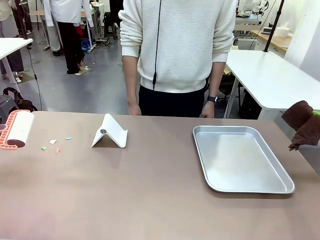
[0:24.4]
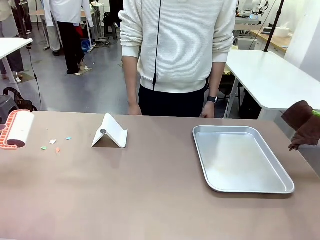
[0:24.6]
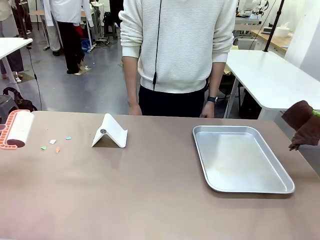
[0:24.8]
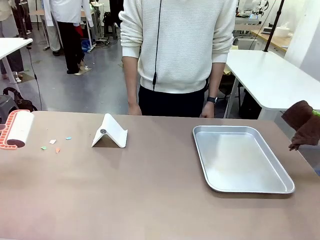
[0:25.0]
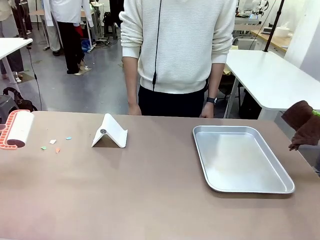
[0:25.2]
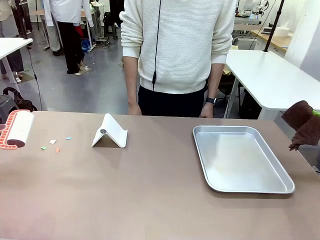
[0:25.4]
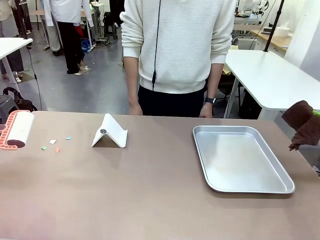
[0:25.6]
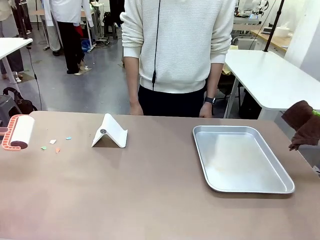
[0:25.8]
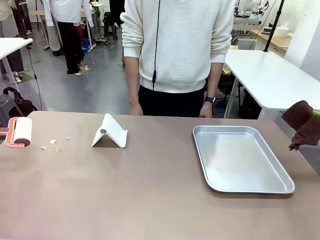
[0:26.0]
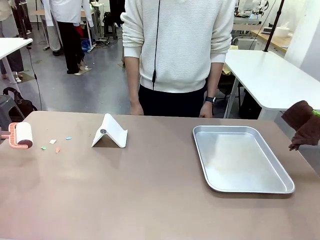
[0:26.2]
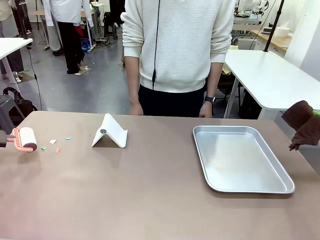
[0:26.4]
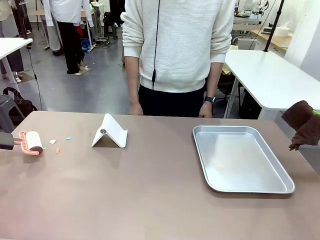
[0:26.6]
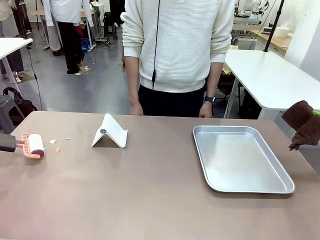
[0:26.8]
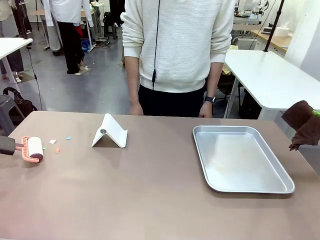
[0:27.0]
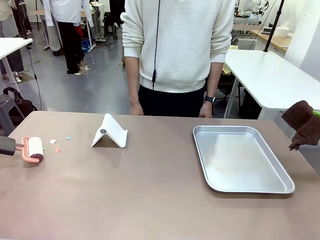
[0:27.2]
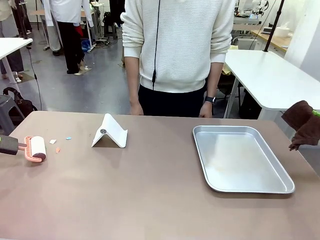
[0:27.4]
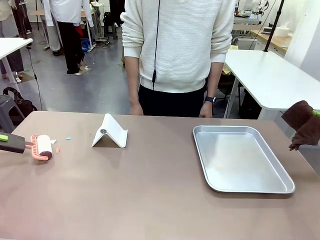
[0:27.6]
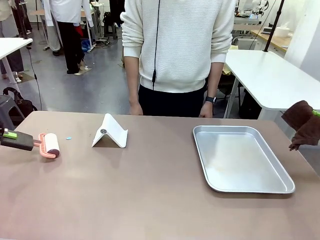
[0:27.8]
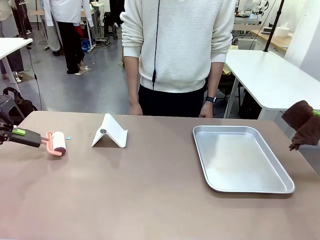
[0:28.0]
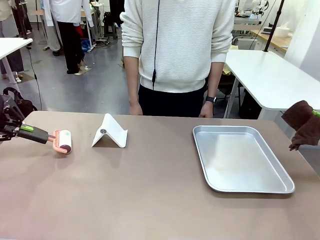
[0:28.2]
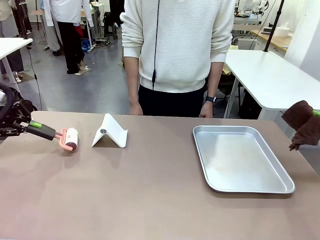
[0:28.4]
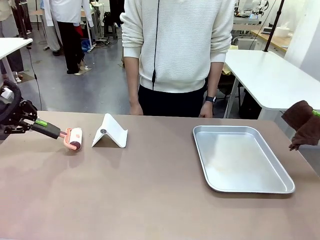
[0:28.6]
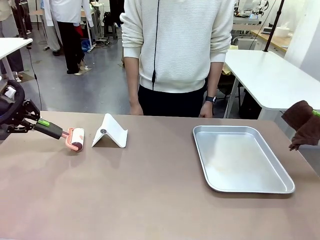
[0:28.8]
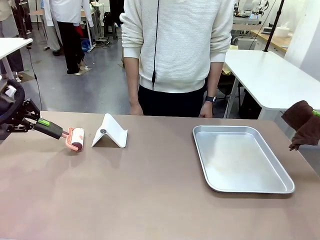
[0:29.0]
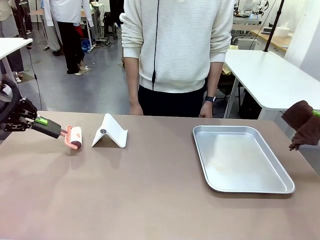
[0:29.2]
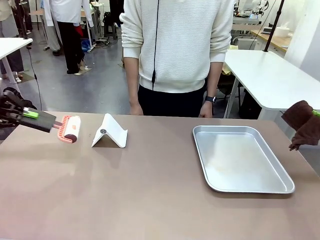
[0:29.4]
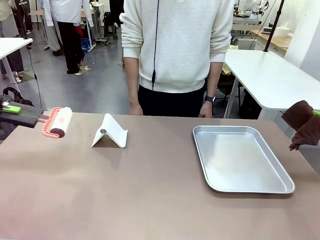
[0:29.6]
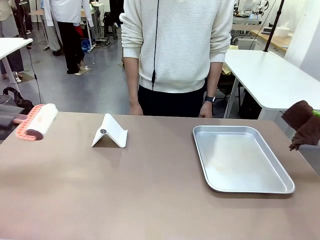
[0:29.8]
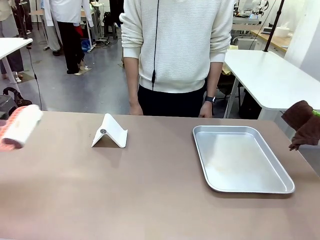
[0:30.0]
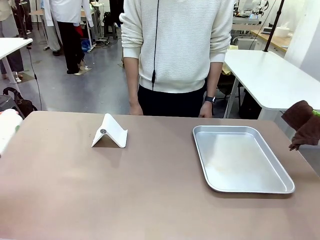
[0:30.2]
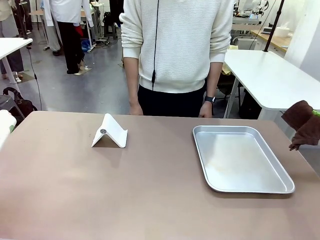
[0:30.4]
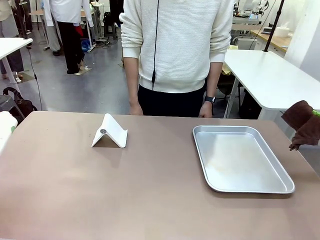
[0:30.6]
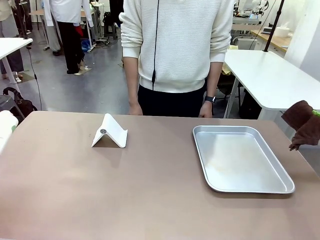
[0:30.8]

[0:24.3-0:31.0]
Task: Clean the surface of the table.
Robot: Clean the area not pointed to by the person.

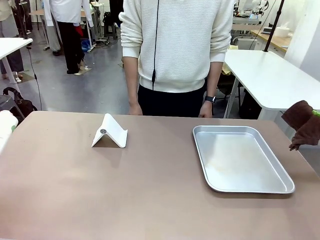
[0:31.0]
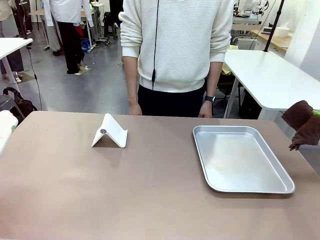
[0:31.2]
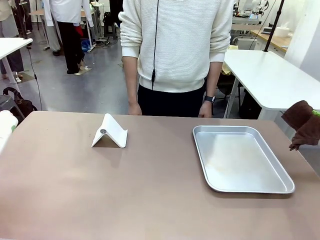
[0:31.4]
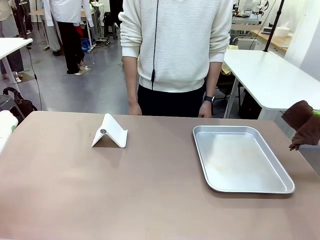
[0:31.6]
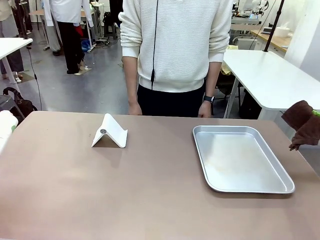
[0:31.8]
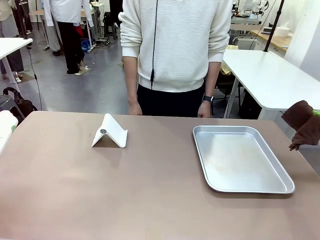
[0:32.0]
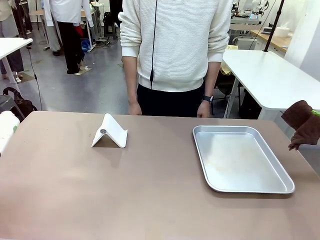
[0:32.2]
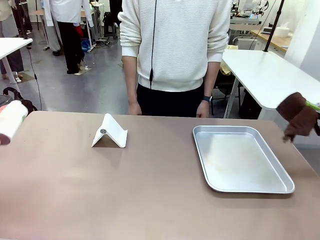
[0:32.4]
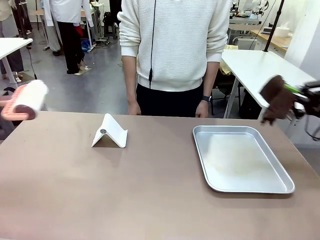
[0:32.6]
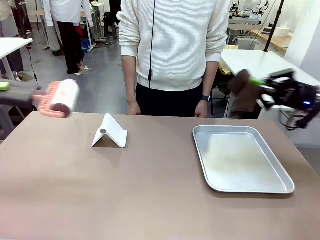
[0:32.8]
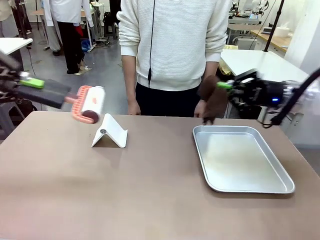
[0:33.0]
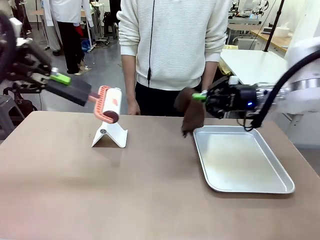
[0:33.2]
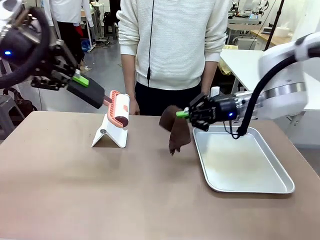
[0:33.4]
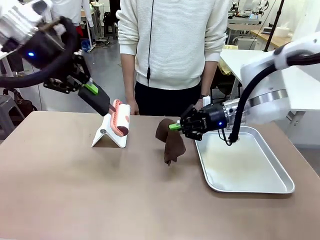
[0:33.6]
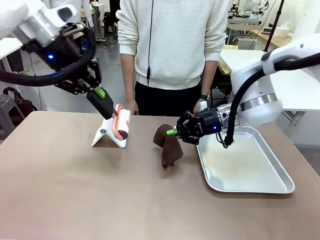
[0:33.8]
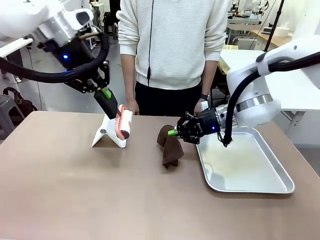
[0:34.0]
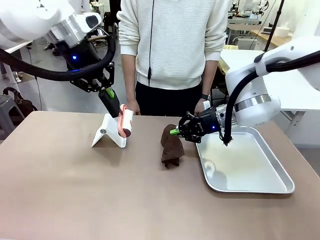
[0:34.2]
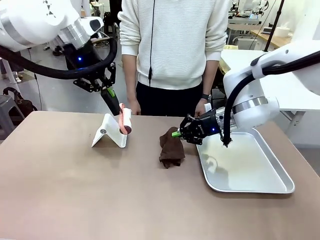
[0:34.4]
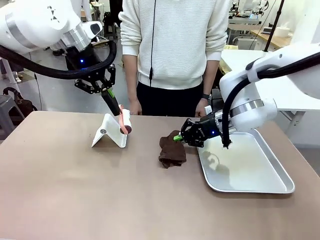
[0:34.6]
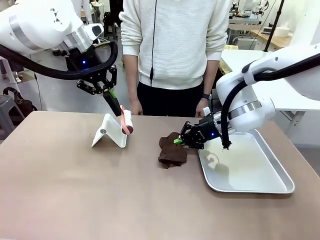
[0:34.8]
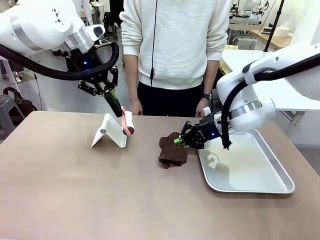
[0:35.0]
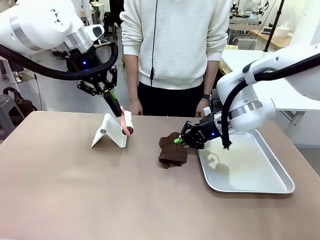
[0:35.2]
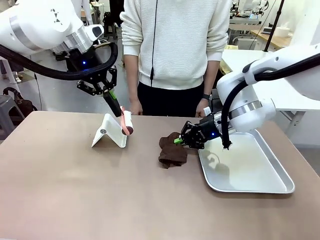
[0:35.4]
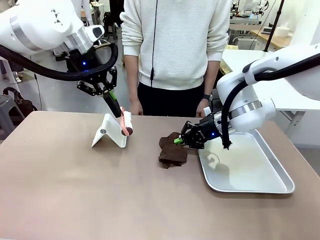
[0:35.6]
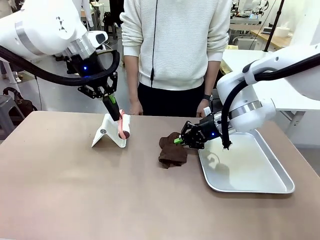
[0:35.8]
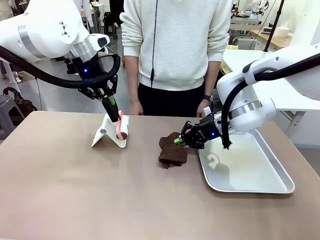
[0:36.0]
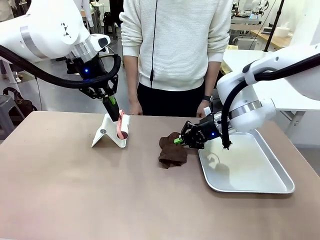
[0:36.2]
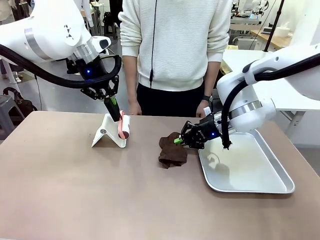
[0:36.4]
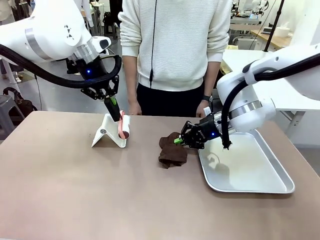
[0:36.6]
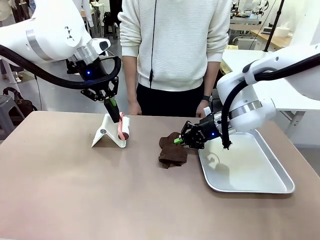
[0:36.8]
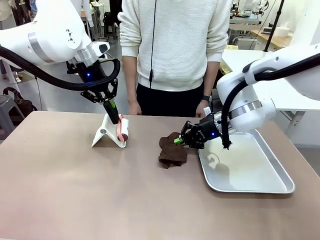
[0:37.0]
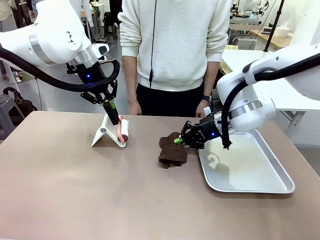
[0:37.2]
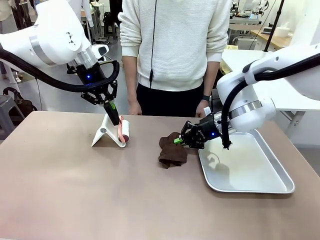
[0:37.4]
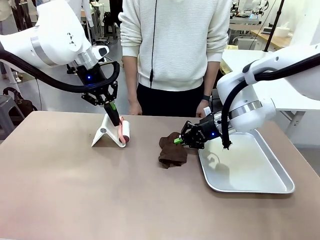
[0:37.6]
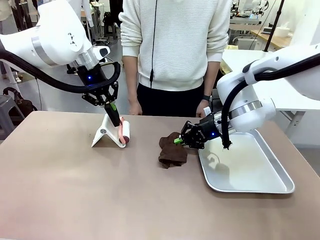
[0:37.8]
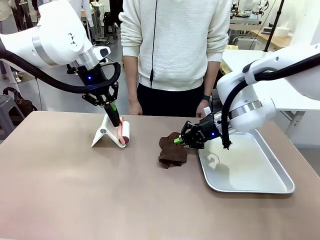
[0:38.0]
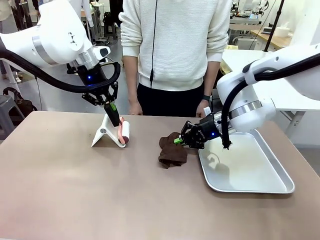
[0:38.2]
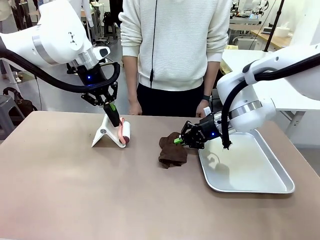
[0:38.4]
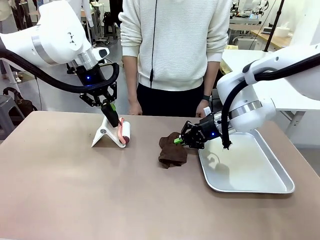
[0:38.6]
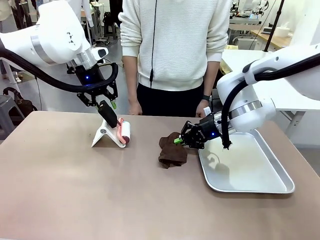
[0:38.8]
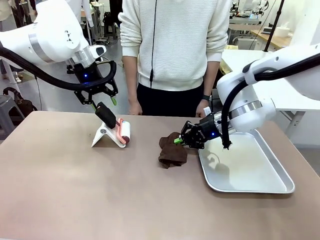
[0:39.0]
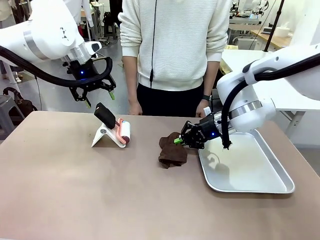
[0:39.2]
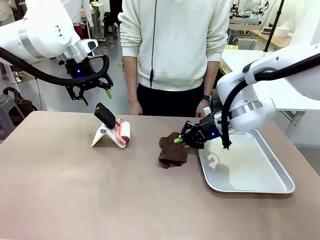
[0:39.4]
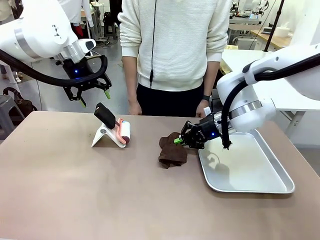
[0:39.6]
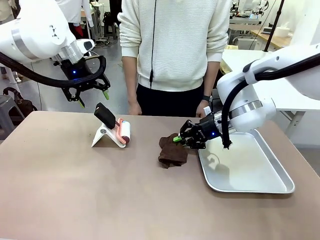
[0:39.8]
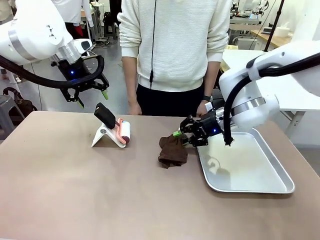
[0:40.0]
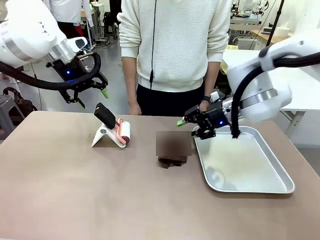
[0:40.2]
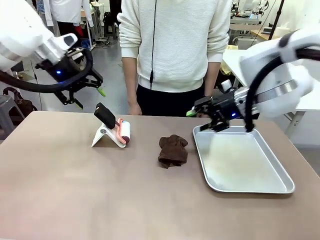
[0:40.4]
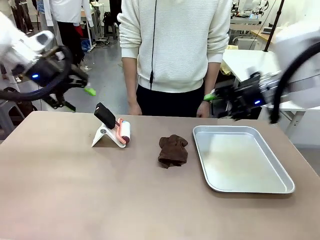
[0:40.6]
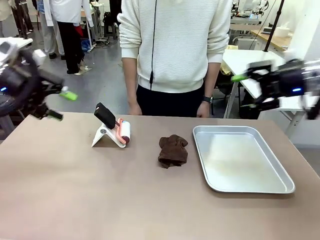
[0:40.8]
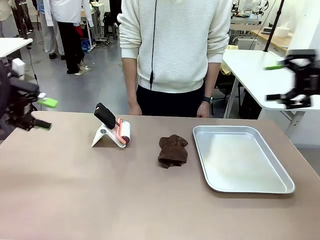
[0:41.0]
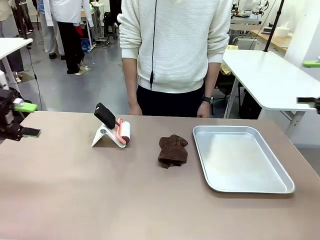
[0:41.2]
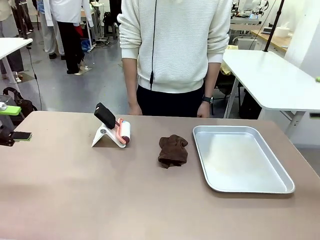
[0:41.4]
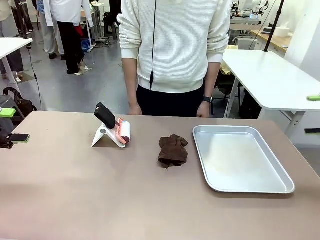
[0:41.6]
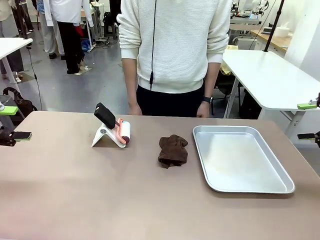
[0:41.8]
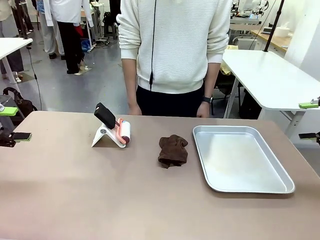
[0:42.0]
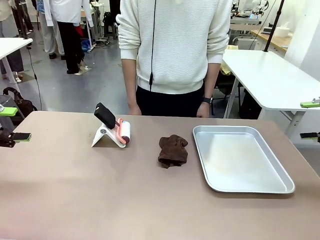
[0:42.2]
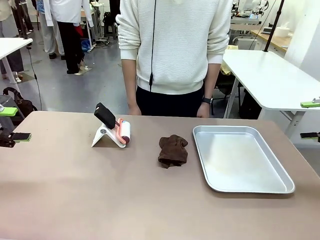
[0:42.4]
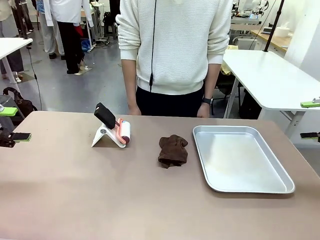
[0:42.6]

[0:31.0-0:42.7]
Robot: Return the Lint Roller and towel to their original positions.
